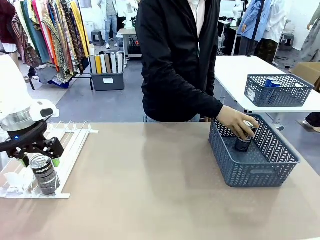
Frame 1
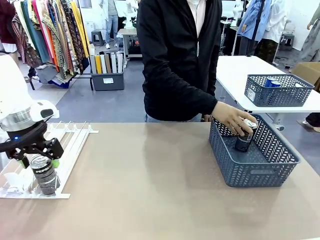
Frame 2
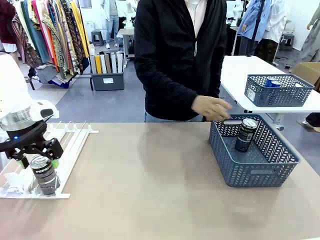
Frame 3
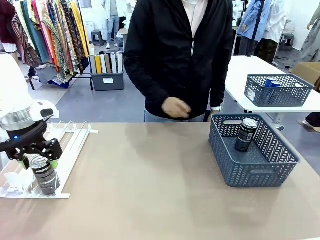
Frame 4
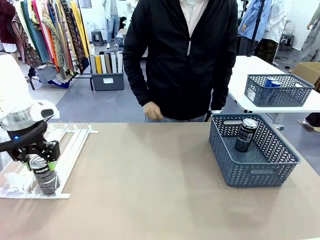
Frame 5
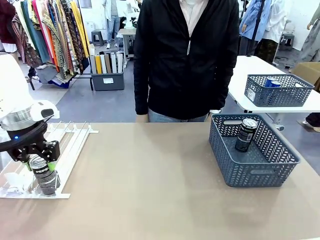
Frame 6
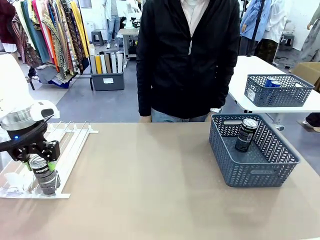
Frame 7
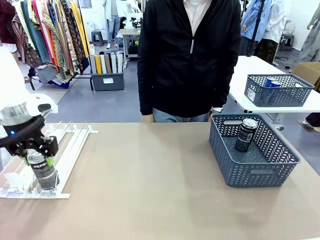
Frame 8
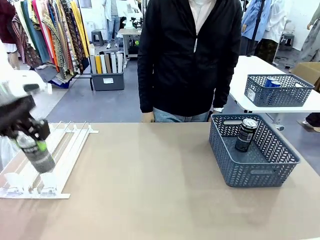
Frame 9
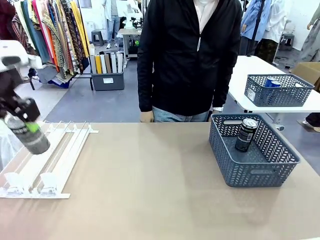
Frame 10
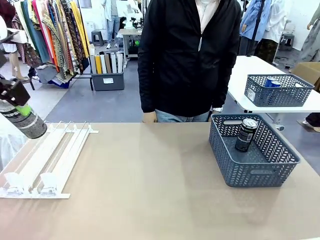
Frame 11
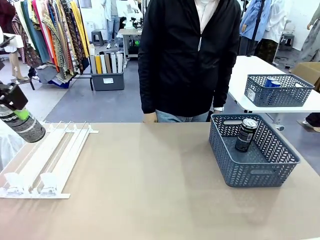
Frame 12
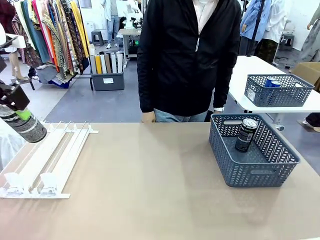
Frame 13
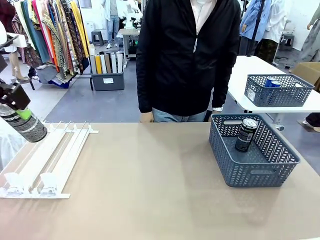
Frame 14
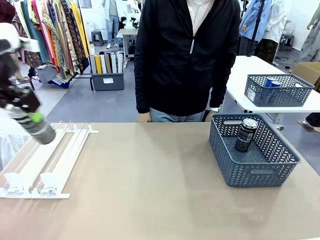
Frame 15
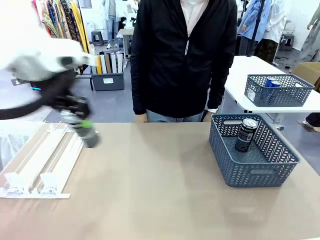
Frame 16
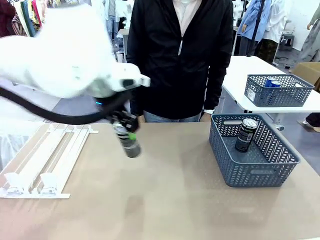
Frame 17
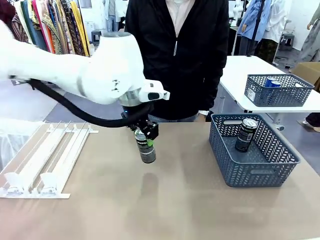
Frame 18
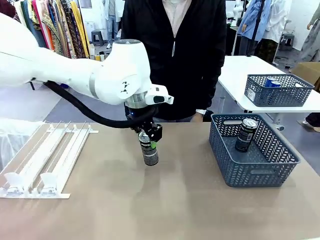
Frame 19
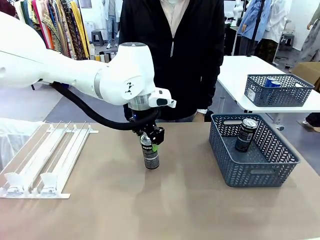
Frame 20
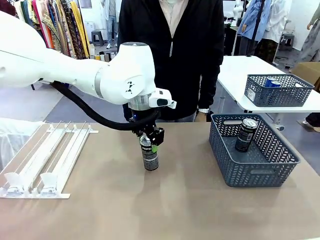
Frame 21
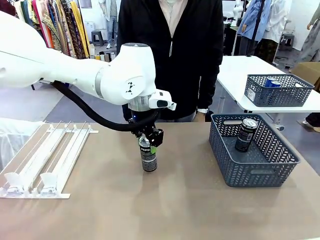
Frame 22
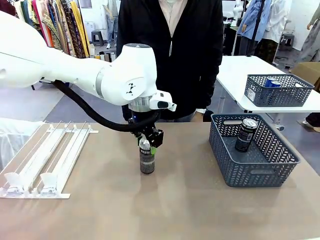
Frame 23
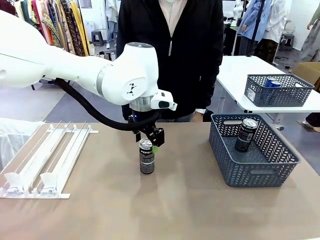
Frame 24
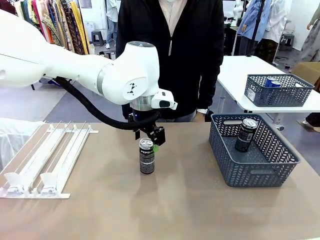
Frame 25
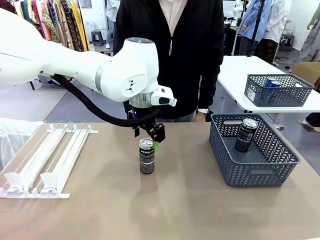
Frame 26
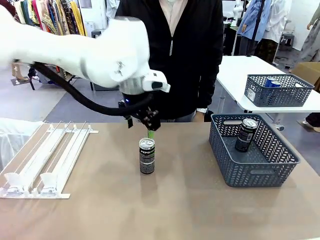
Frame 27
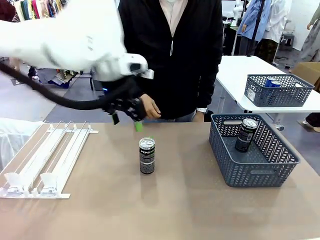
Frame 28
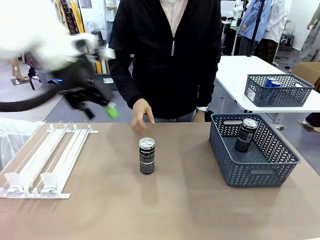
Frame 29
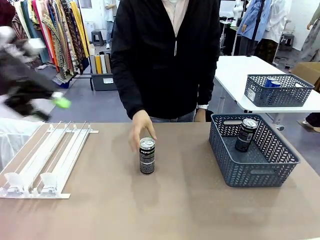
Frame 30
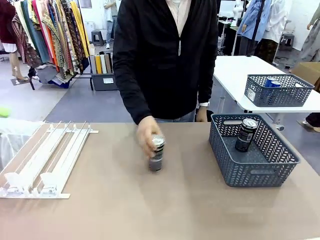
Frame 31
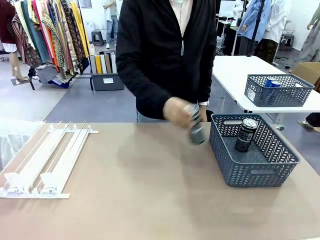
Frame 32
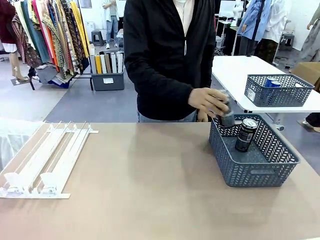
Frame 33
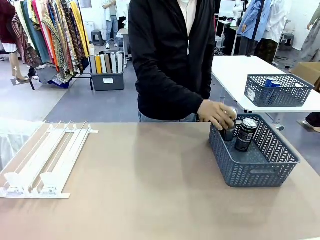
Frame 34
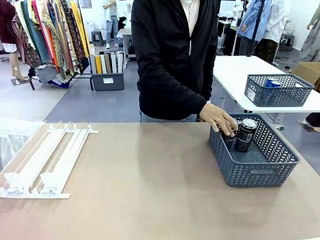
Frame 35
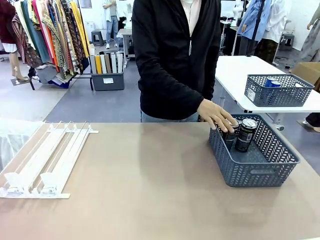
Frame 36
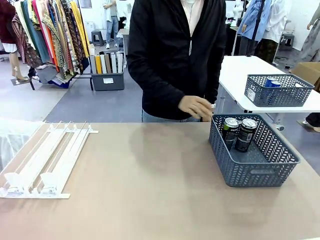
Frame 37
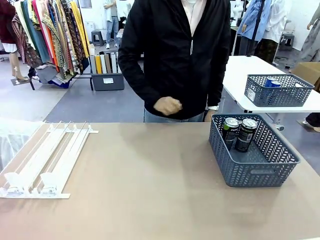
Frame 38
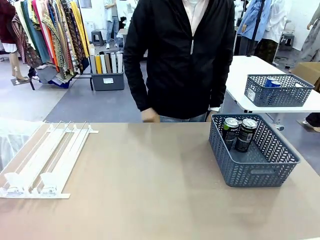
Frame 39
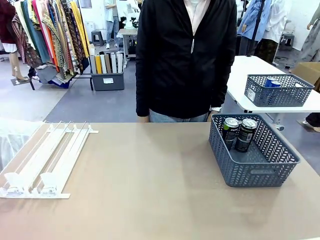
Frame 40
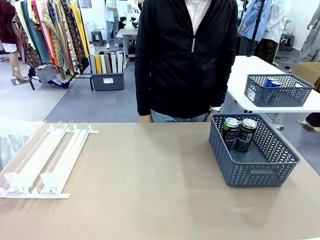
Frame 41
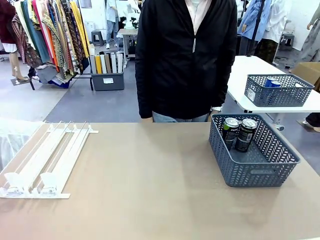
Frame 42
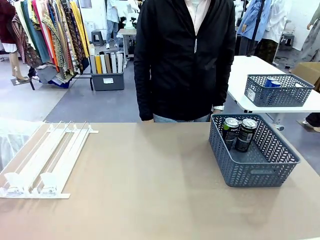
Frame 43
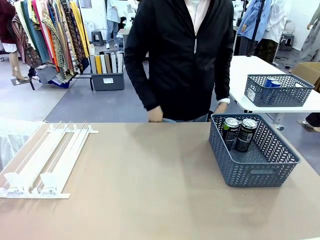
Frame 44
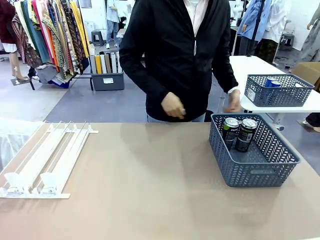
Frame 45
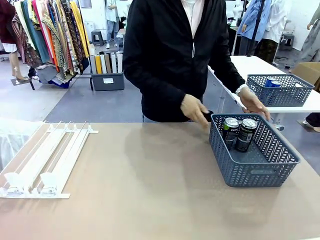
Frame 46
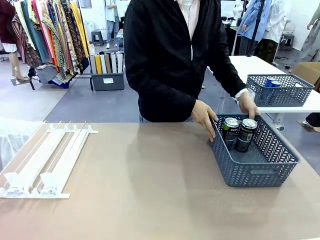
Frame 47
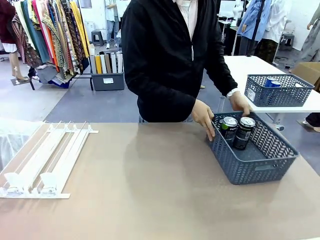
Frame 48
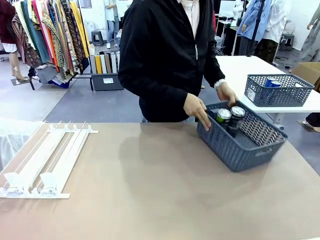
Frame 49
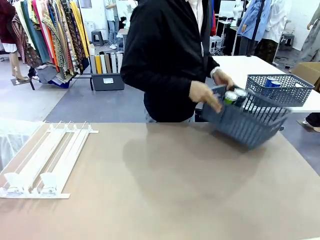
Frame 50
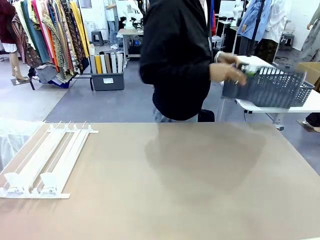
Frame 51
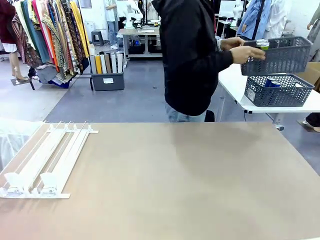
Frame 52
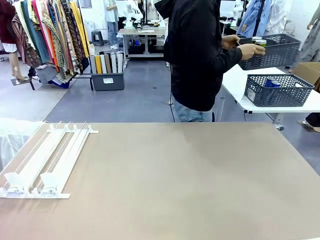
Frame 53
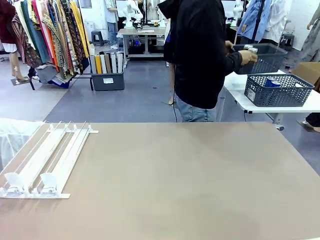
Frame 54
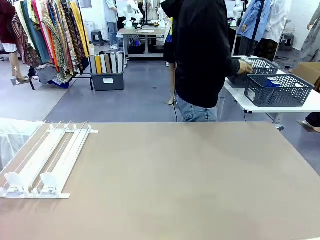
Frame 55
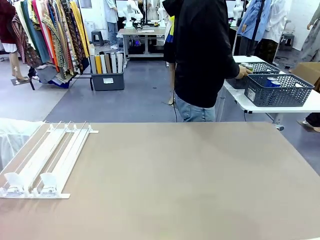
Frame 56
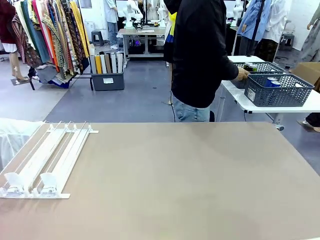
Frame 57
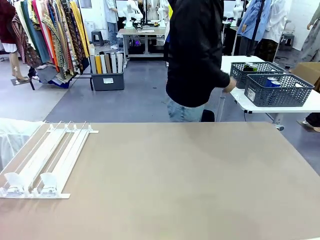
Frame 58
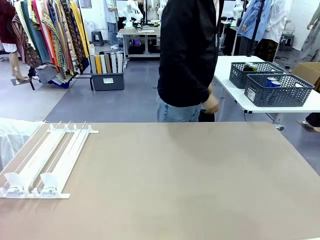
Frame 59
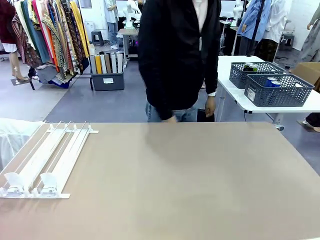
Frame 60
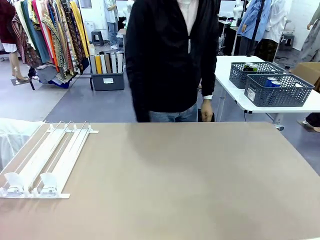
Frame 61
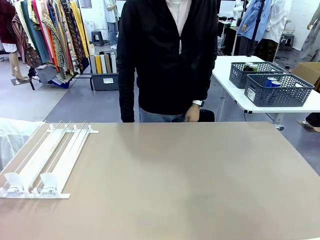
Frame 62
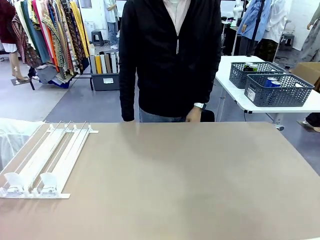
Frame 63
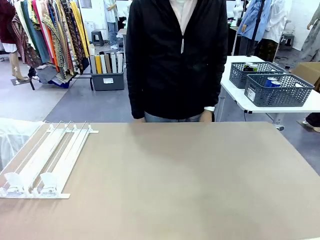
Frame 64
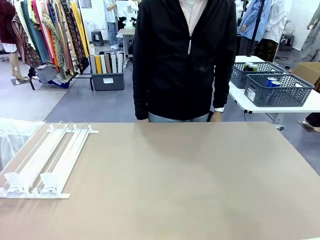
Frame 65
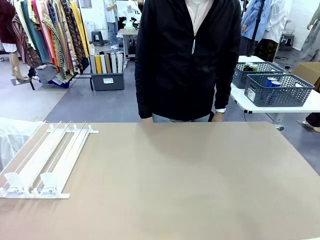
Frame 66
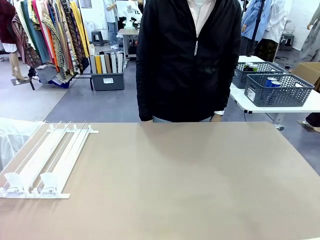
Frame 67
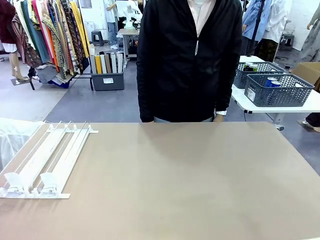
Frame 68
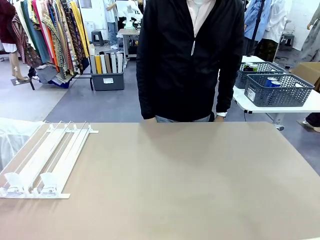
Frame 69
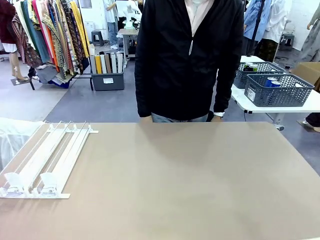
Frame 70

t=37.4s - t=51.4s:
Task: Retrieve and store the cans from the dispenser.
Robot: Pick up one can from the Automatic Can Dispenser and place it in the middle of the table.
Person: Pick up one sports drink can from the middle of the robot table and place it in the basket. Pick up the basket and place it in the middle of the human table.

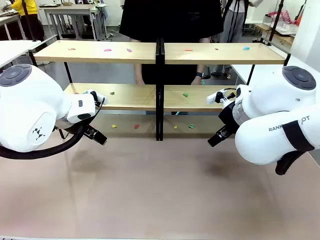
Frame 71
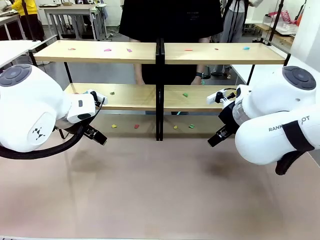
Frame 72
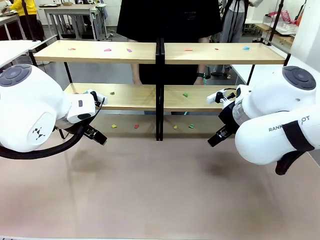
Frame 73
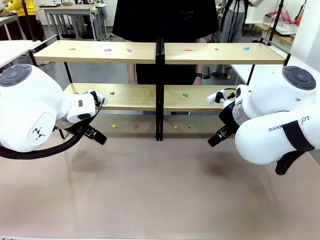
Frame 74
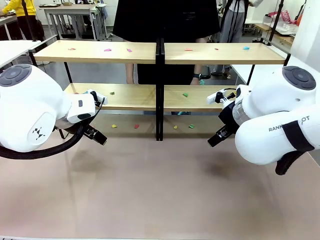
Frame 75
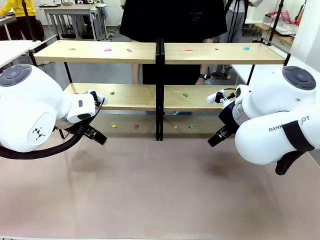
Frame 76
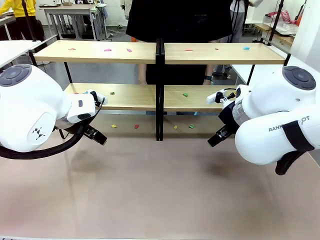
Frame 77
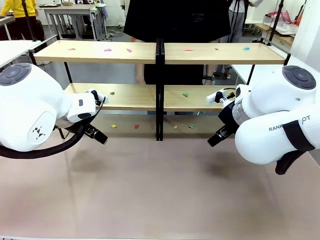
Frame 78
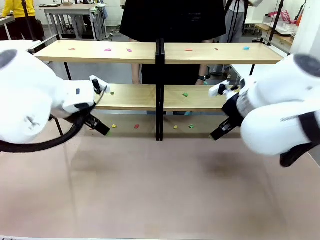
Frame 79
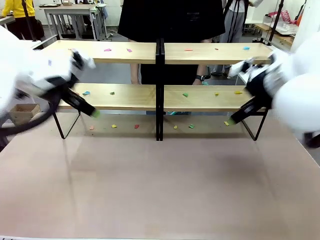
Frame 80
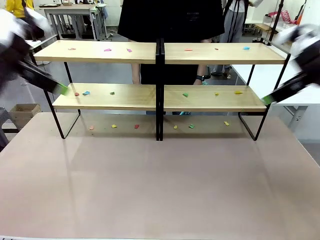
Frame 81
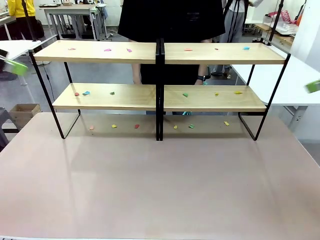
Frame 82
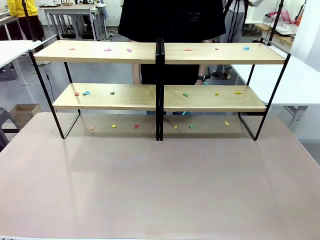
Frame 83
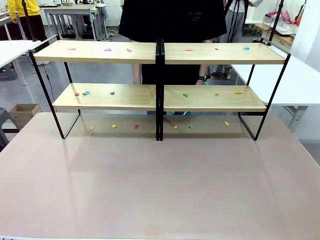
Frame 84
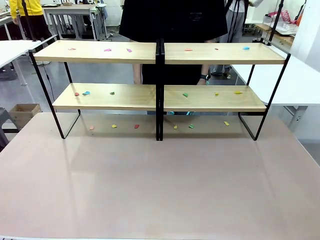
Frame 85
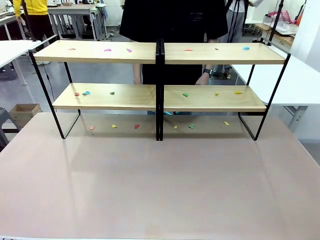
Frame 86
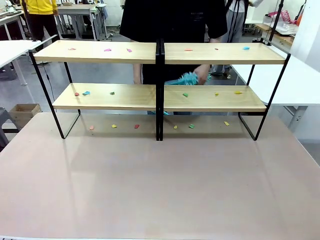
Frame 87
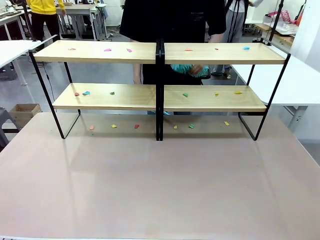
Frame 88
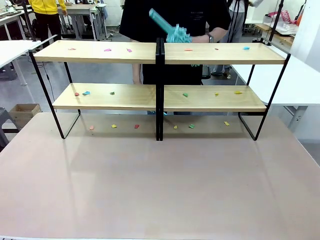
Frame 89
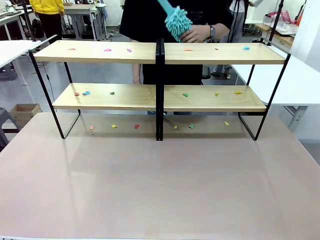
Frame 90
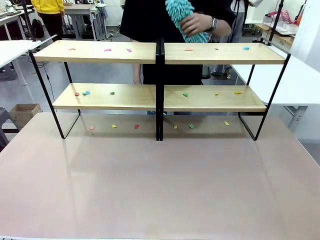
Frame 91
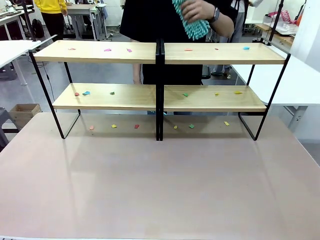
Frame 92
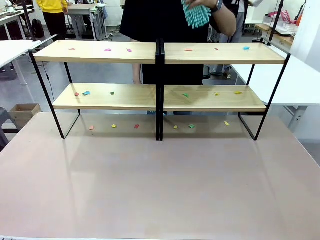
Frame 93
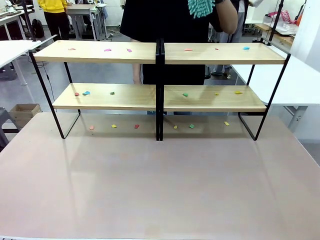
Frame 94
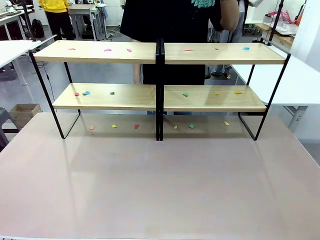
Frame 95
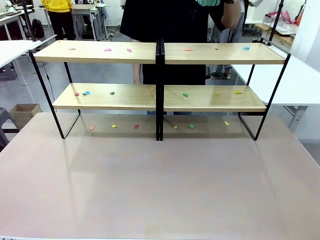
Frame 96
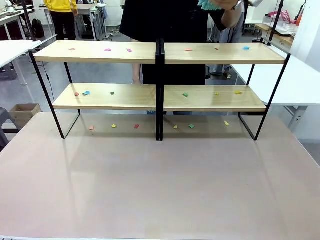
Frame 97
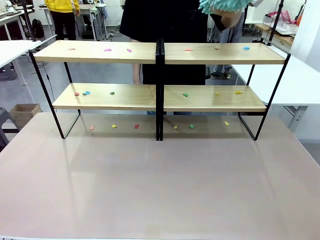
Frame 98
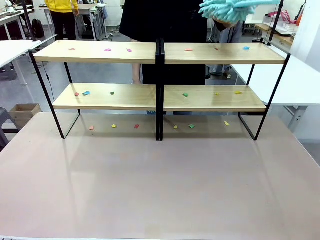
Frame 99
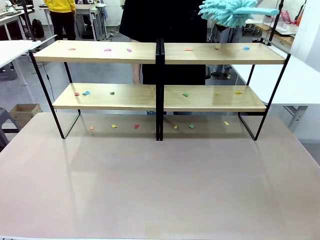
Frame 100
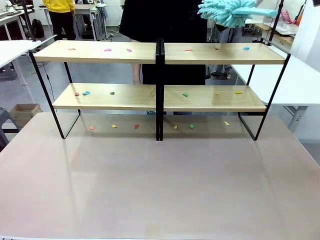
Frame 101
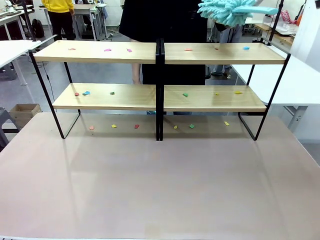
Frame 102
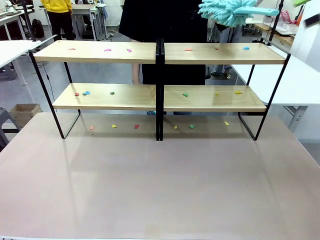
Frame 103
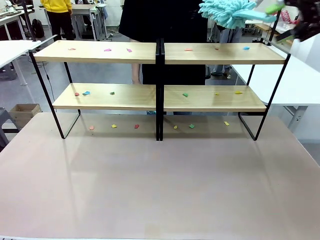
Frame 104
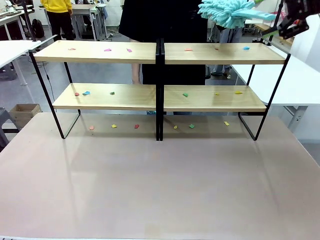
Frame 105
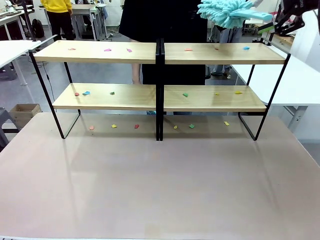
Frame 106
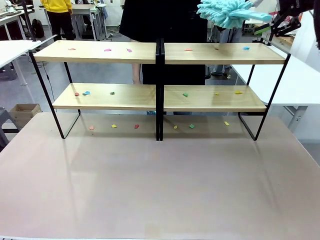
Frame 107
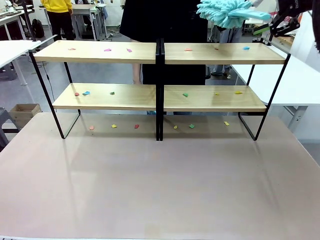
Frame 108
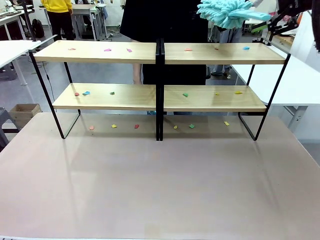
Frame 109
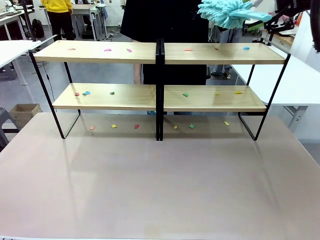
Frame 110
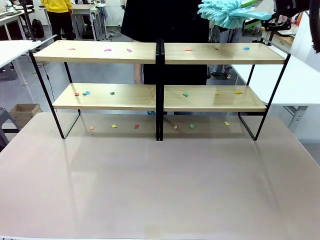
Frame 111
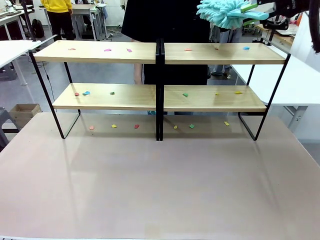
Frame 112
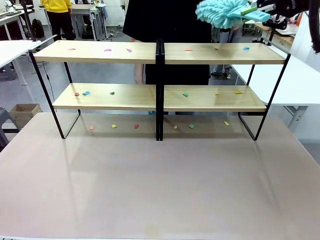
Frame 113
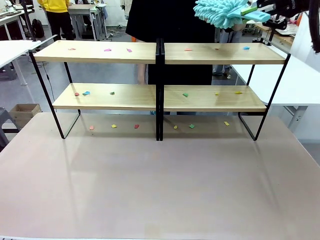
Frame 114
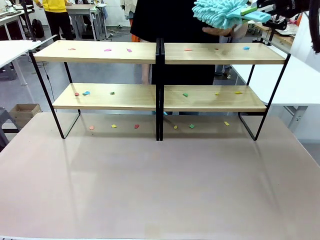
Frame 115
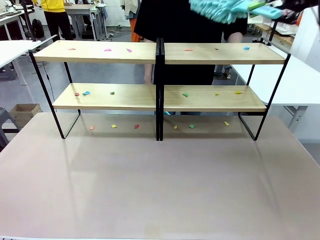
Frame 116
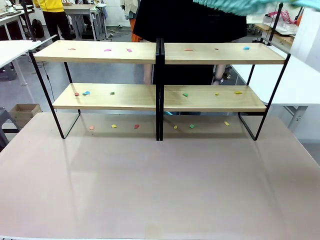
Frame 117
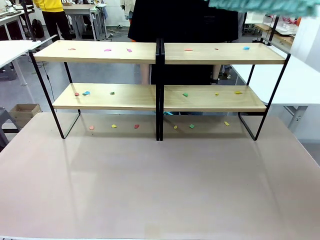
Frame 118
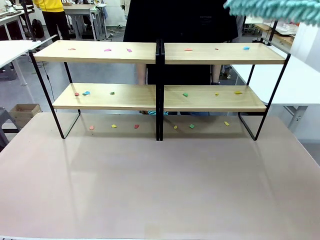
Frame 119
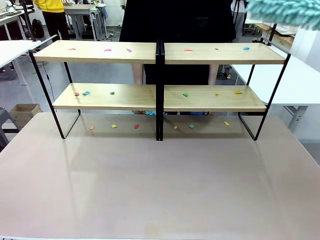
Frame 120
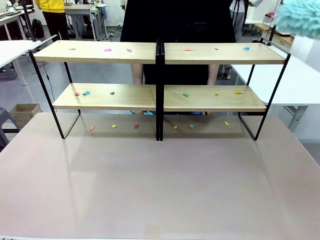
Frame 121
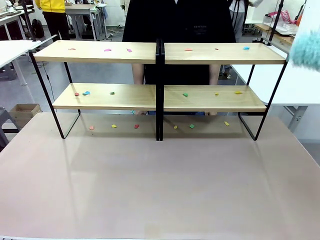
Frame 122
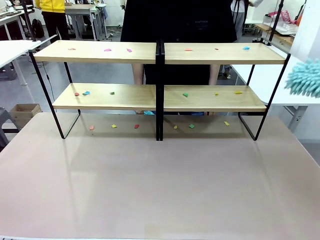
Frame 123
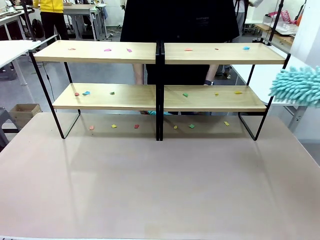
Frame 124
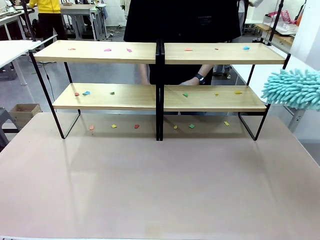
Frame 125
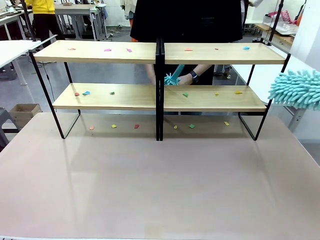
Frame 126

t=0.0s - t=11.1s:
Task: Clean the shelves.
Robot: Pick up the Duster when the human hands it over.
Person: Hand the Duster to the robot with your right (or left) hand.
